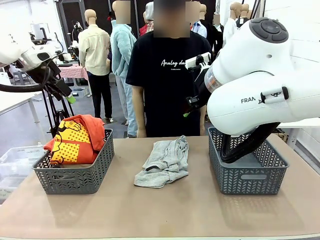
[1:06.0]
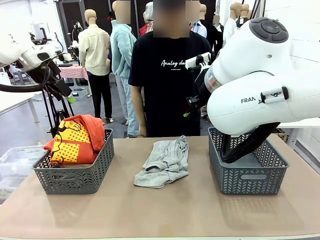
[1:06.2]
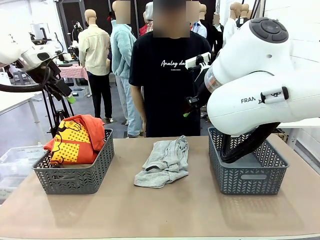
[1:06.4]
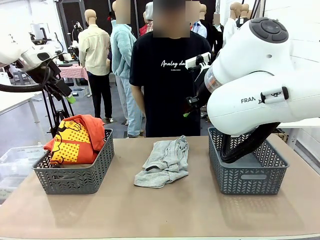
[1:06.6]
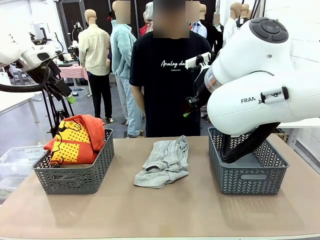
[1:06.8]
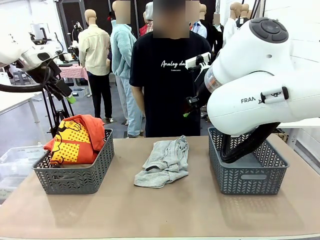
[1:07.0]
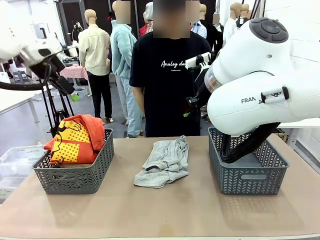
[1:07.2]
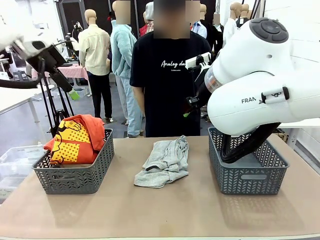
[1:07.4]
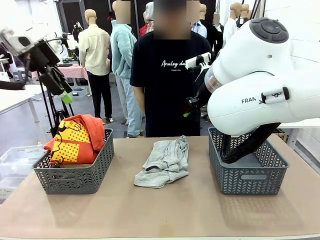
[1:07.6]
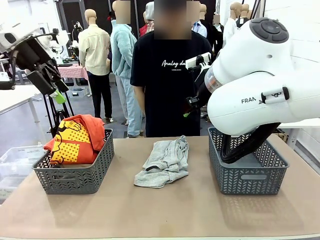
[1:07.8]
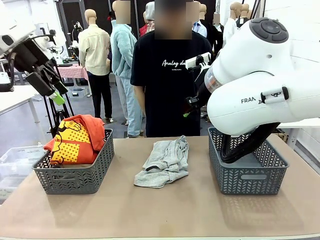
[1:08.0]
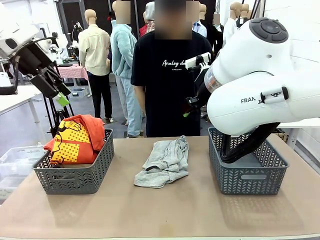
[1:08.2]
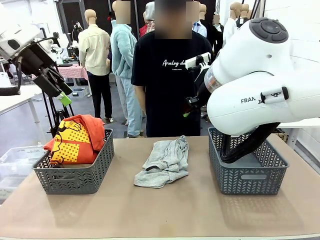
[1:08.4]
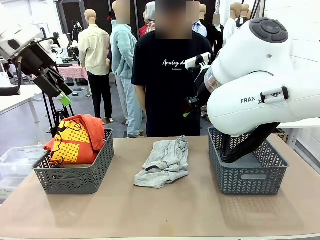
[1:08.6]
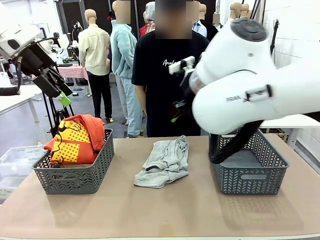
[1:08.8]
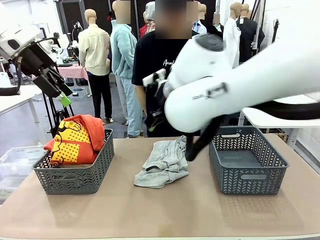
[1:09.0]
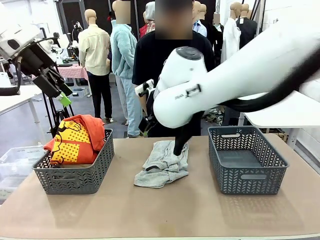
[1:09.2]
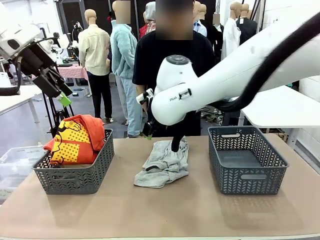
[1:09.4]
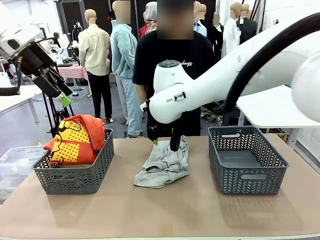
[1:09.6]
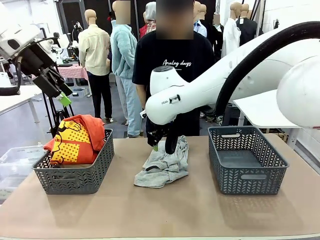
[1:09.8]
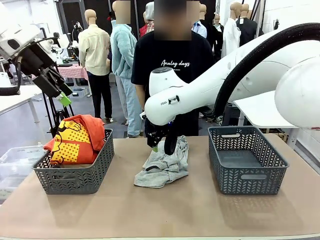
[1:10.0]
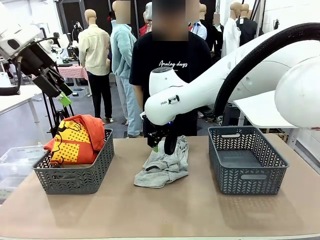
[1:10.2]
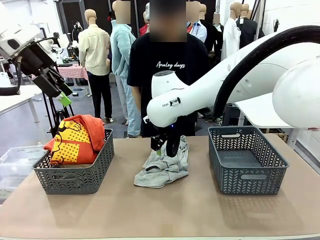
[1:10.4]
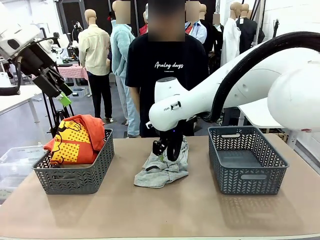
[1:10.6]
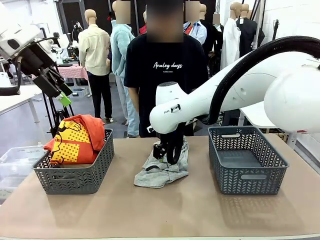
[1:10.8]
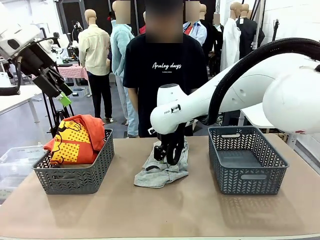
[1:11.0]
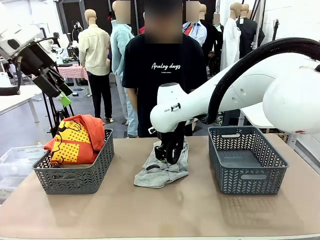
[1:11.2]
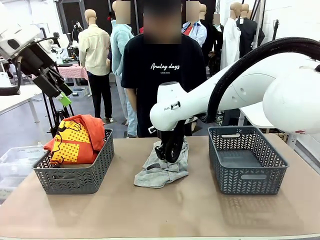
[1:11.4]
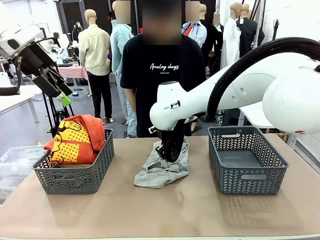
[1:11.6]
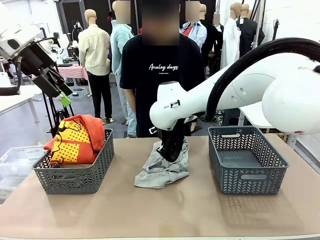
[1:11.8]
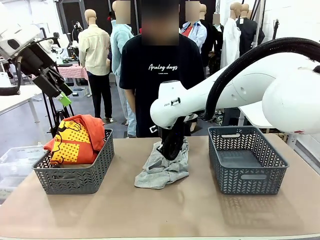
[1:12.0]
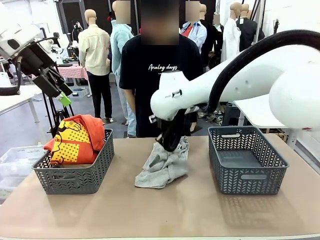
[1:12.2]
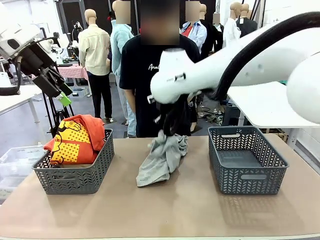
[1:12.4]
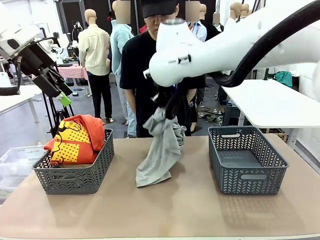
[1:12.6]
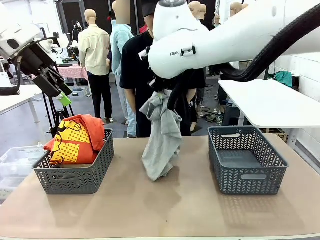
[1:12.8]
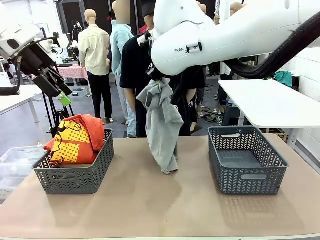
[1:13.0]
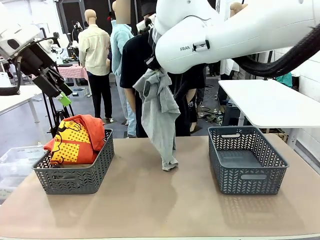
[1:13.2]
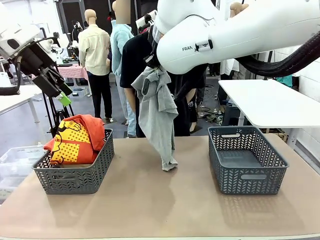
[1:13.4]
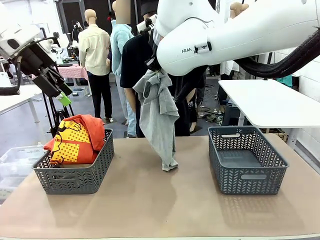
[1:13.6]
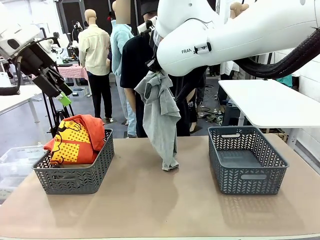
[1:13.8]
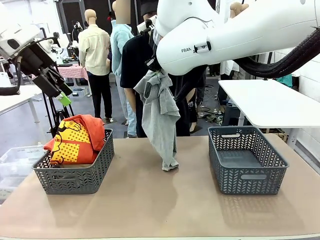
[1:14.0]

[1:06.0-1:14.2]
Task: Sort the tops and bottoms.
Robot: Lift clothes from the center of the table with your right hand.

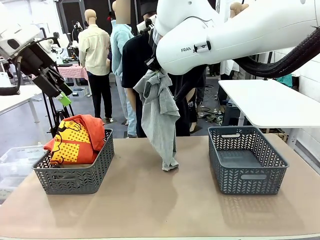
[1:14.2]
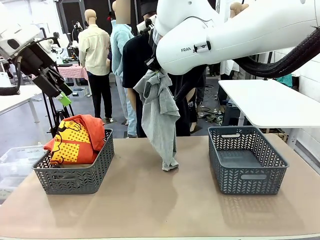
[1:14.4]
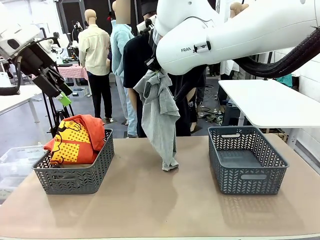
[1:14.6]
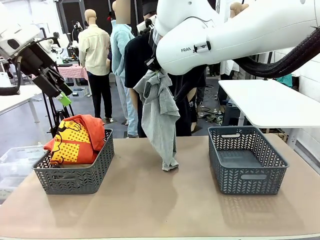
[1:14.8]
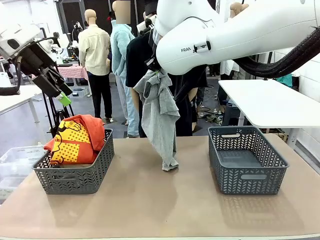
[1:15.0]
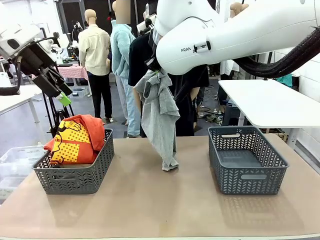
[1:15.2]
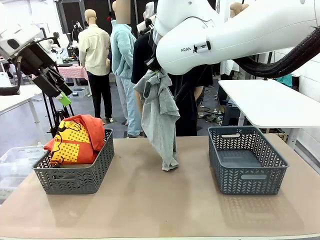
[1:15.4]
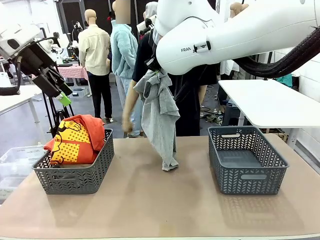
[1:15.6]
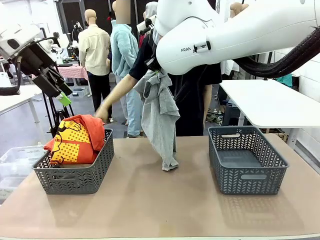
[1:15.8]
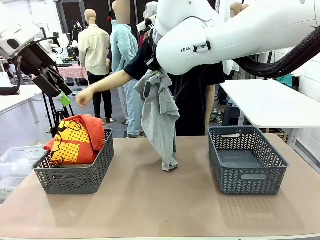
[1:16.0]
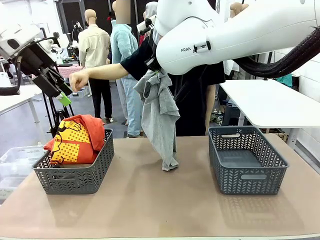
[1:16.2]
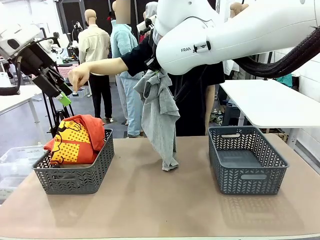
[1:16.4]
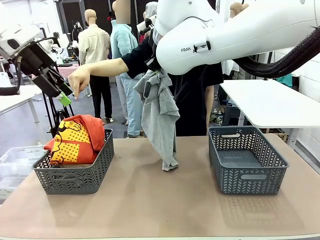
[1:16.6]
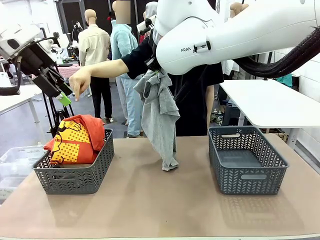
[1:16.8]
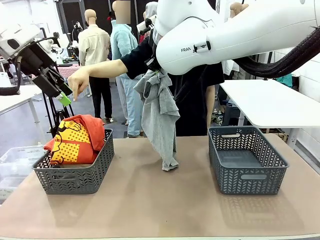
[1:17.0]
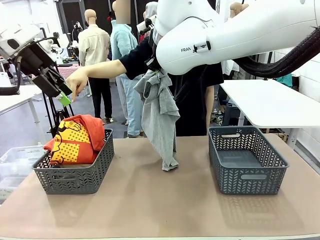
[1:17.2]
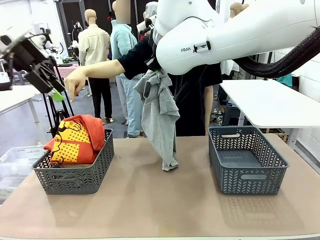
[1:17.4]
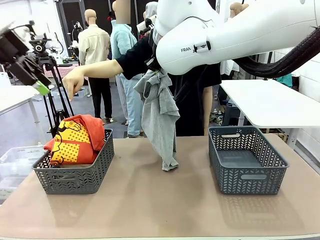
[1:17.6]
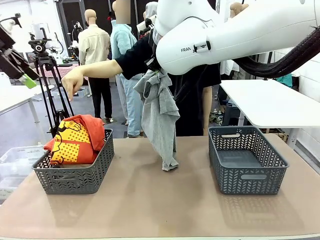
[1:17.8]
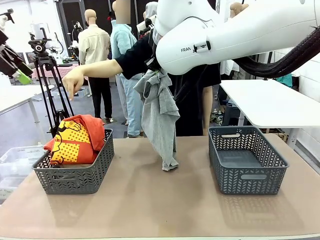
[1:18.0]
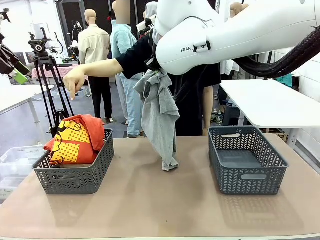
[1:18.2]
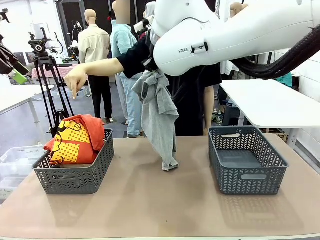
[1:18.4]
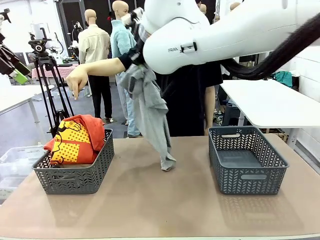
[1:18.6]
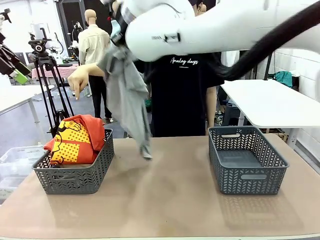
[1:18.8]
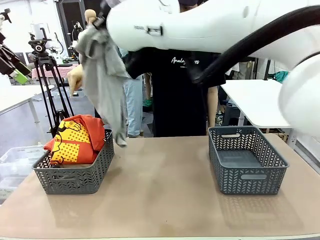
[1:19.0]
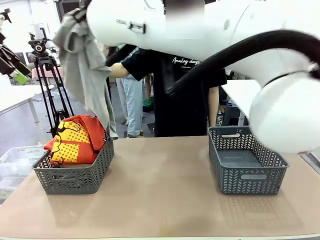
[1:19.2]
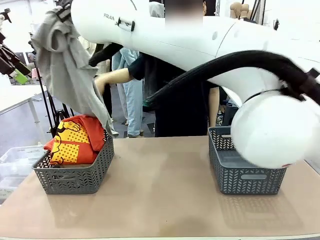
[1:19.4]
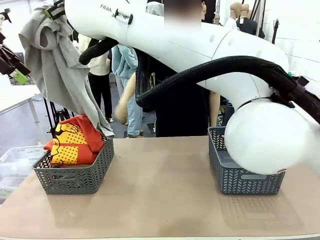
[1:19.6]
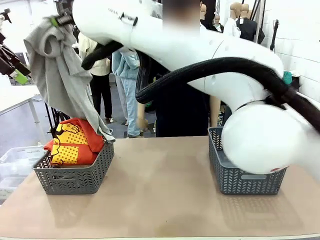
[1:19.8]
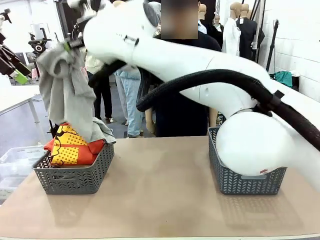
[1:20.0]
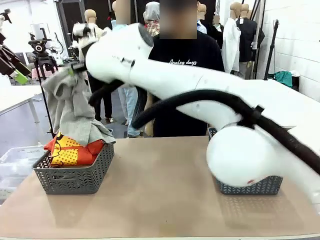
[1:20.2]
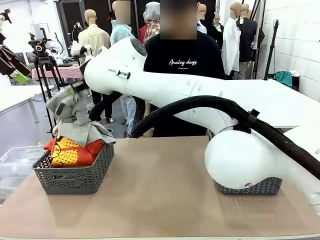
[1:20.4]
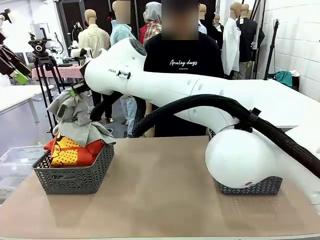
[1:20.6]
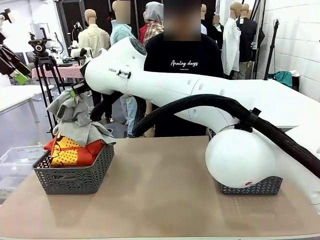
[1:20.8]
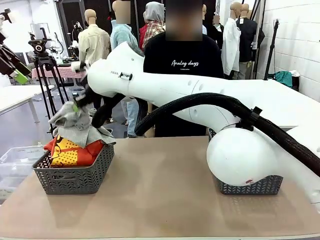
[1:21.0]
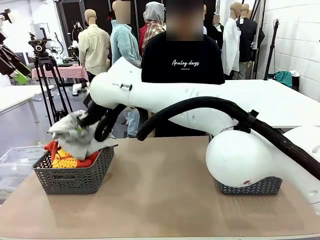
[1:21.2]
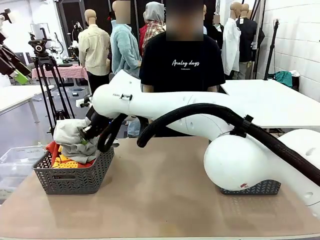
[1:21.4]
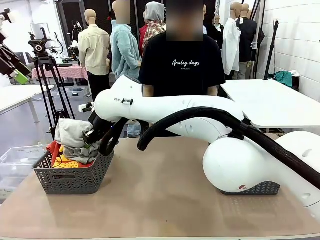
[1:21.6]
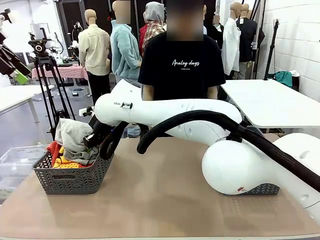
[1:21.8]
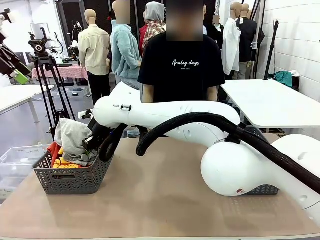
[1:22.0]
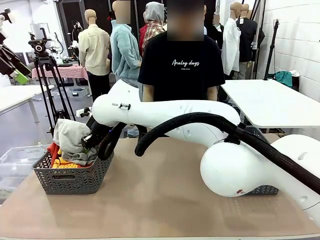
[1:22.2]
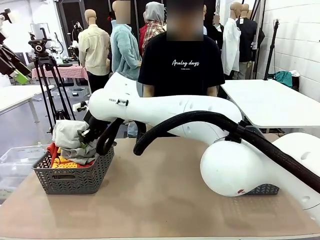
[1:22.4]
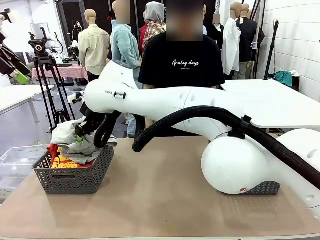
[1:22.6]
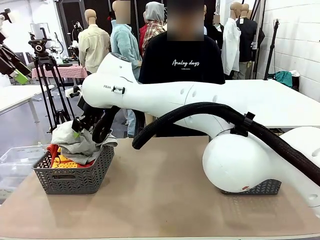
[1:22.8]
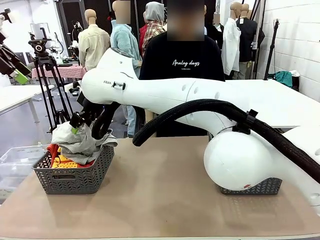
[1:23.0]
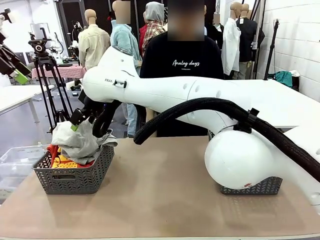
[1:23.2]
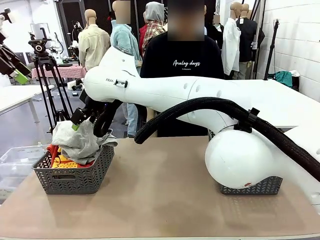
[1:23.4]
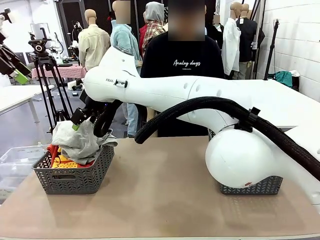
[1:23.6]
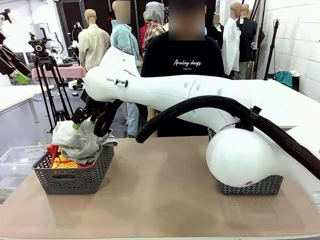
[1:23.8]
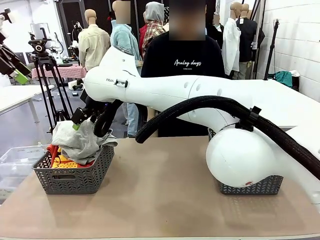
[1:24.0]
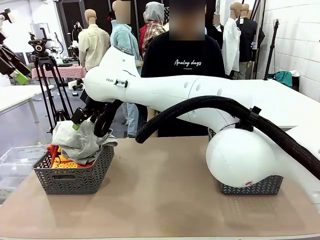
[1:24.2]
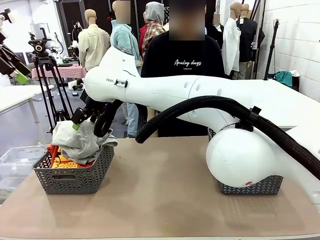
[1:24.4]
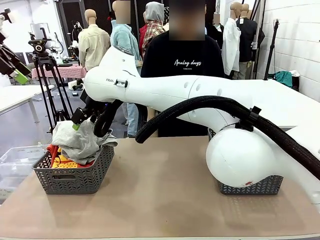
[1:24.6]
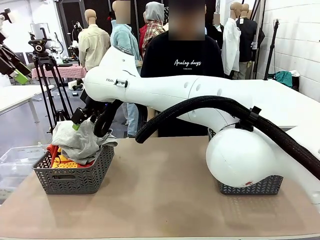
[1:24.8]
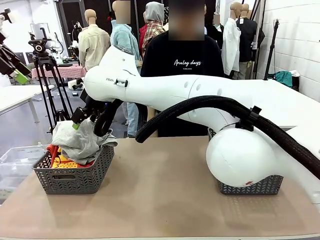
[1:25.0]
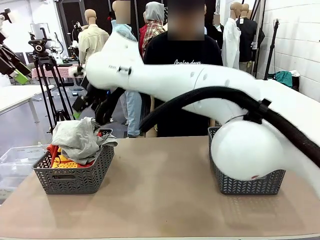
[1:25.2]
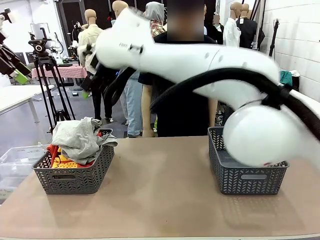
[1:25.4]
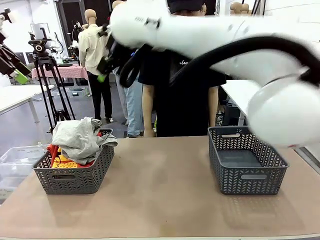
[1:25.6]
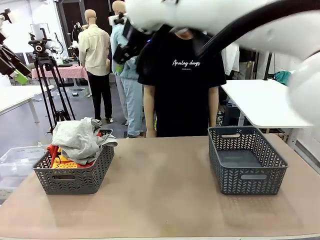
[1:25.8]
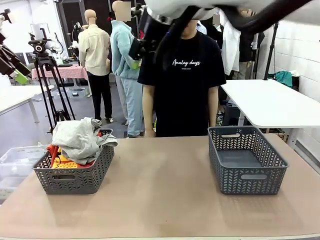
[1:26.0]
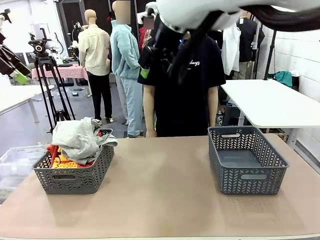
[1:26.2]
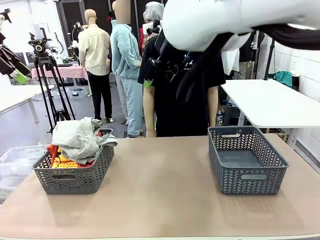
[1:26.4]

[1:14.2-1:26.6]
Robot: Sort the clothes according to human instructions.
